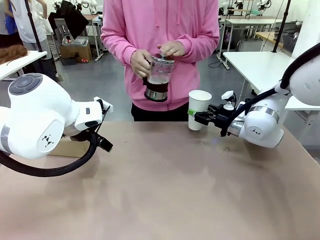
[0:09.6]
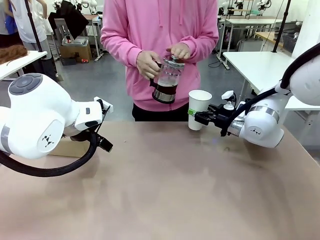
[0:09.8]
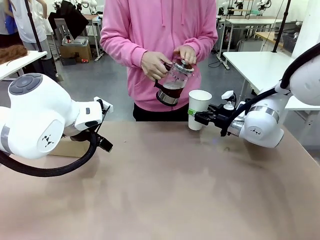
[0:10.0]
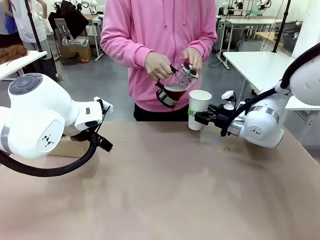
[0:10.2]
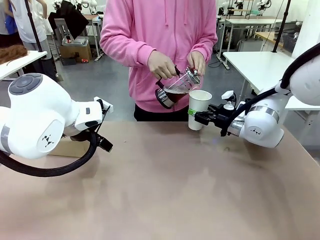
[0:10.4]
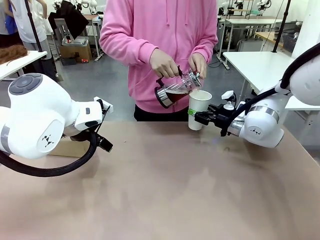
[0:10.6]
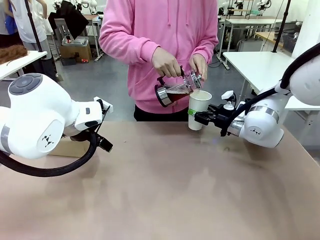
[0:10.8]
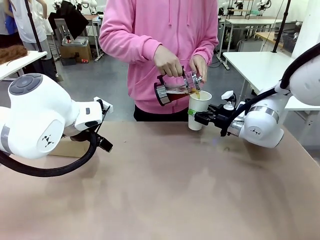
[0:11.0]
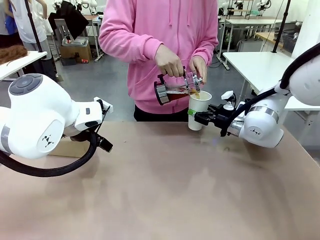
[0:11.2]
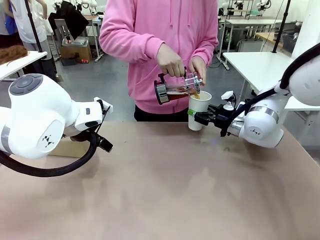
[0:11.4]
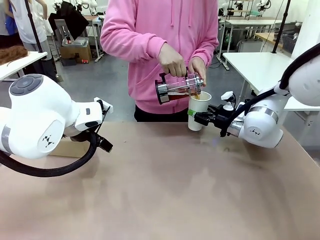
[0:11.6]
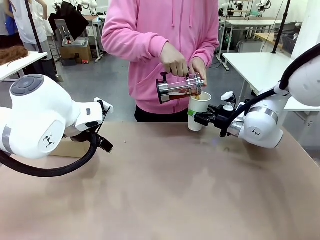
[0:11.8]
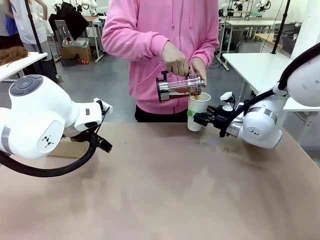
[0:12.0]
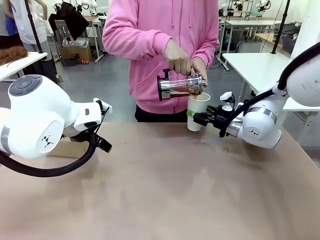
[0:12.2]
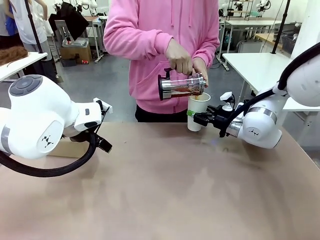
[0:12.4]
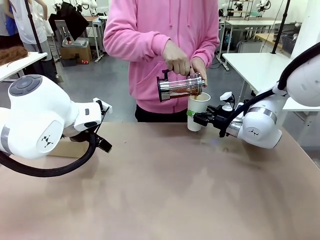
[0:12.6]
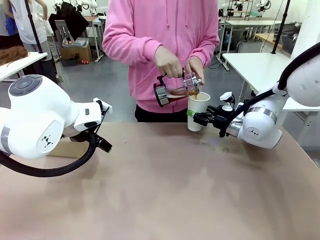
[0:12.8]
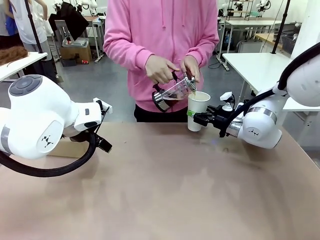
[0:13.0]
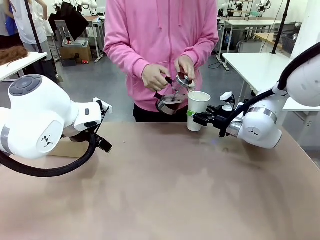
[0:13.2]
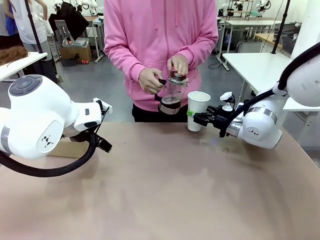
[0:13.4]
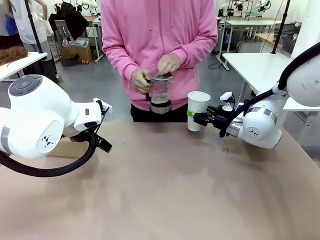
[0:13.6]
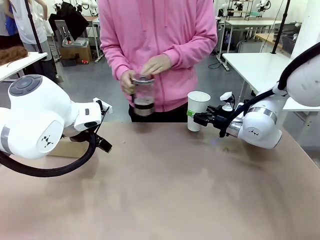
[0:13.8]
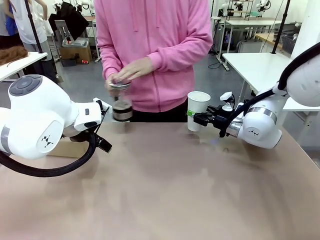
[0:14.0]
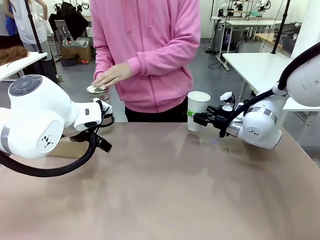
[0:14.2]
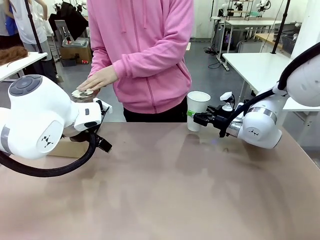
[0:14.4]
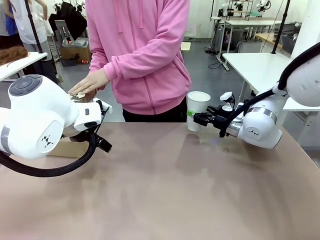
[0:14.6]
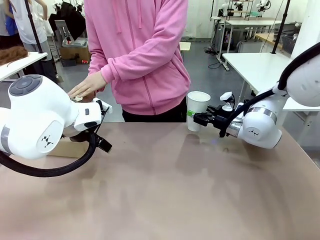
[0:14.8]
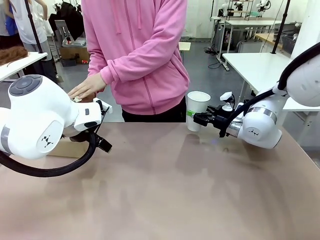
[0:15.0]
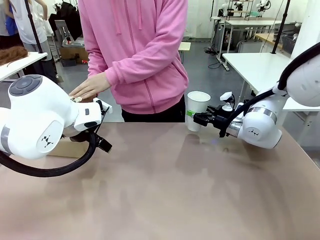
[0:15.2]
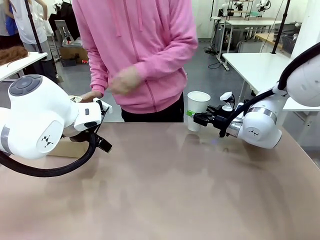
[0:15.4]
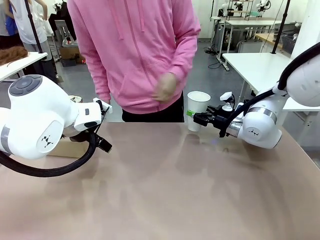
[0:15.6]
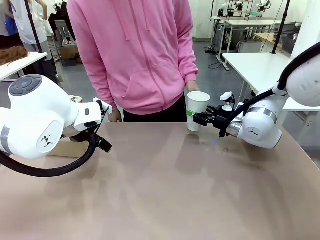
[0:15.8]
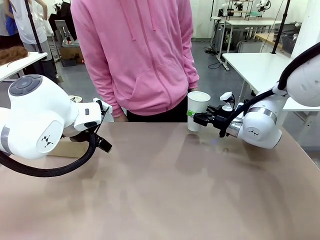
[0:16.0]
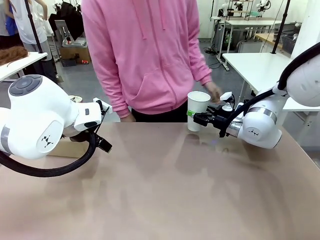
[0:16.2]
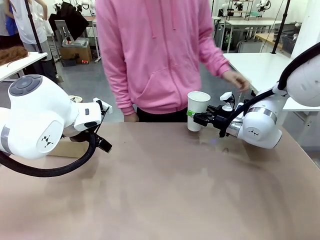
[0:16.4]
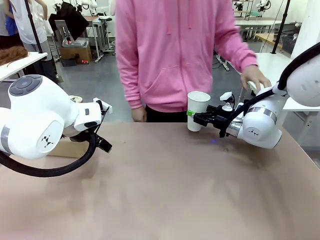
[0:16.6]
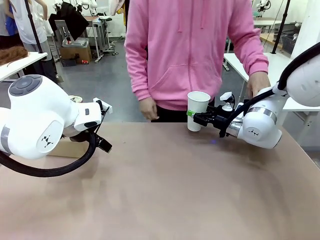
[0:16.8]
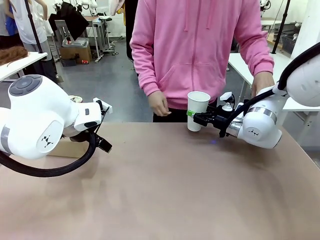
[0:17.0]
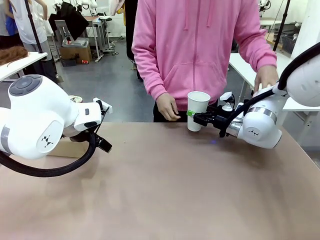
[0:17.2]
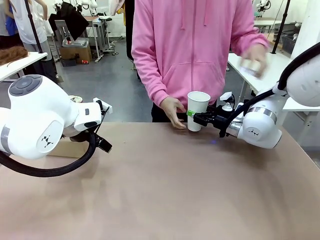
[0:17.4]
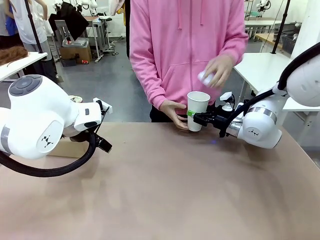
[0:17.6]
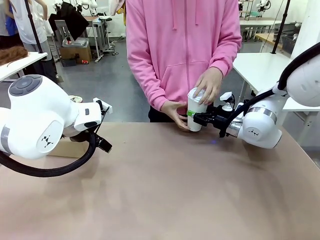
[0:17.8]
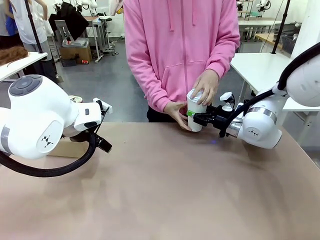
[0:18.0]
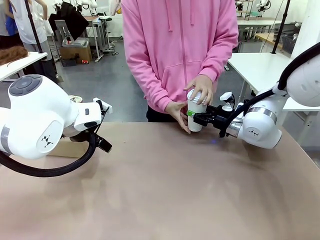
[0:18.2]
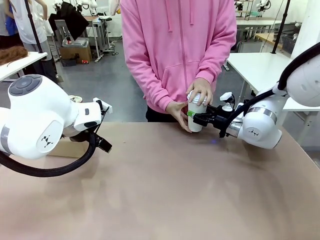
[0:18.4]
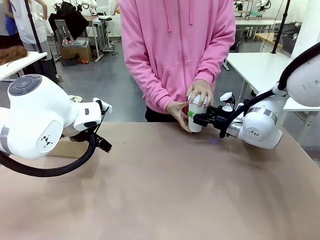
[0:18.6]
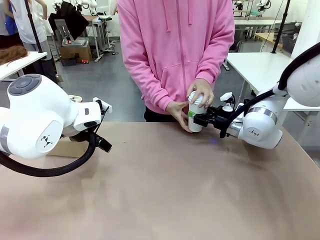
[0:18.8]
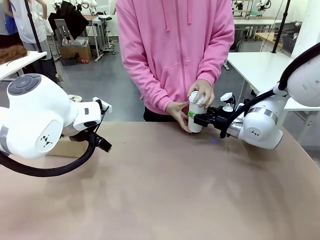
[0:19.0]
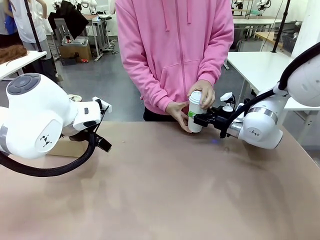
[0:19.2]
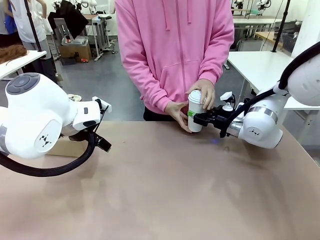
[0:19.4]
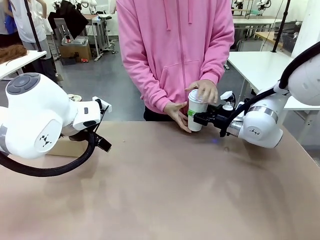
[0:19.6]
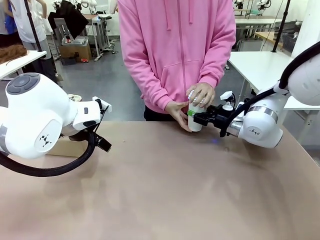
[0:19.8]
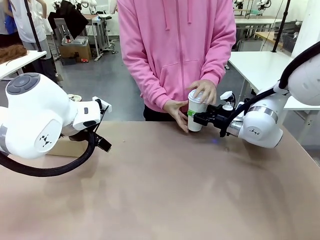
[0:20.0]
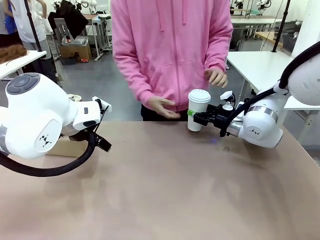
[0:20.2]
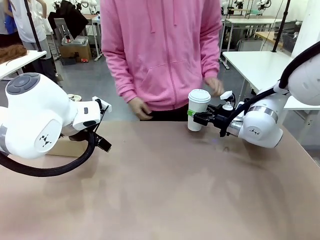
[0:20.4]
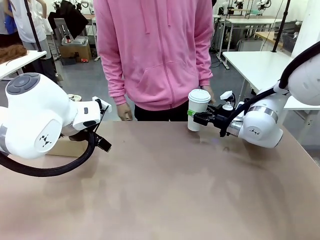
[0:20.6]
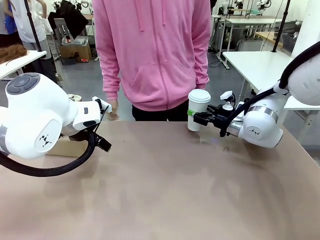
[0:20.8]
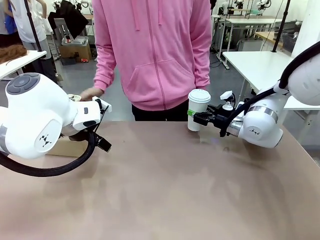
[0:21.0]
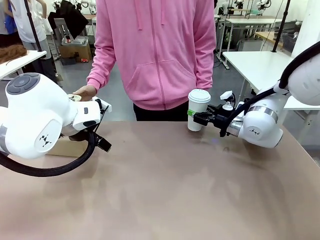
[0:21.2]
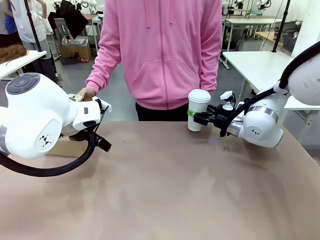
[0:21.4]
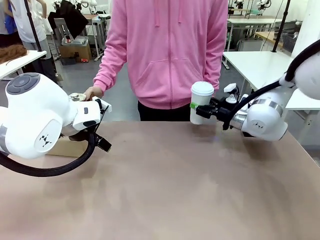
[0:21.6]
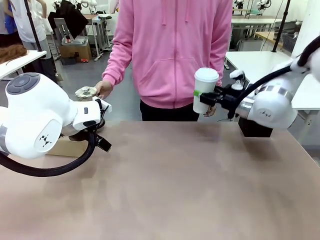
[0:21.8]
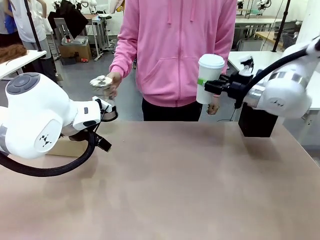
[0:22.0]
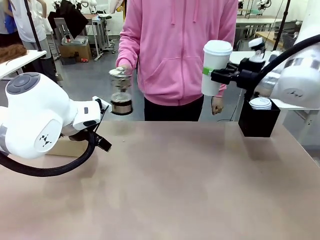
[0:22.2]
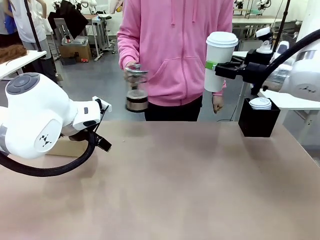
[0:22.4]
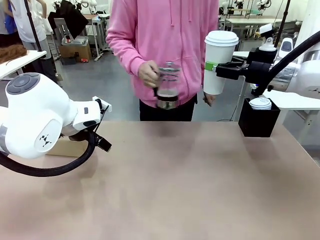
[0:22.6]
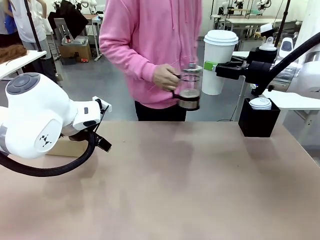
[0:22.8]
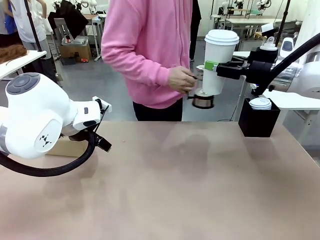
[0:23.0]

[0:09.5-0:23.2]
Task: Pour a drink into a cup and package it in a carrier.
Robot: When a person places the Paper Cup Lid on the 600 ml Paper Cup , lift the 600 ml Paper Cup.
Person: Pour the drink from the Filter Brewing into the 600 ml Paper Cup. Place a Paper Cup Lid on the 600 ml Paper Cup.

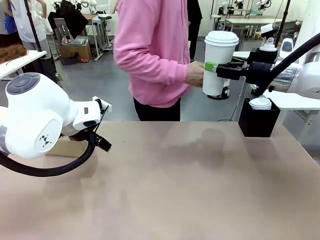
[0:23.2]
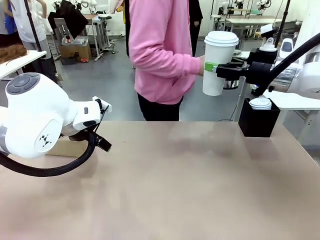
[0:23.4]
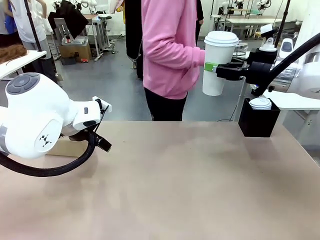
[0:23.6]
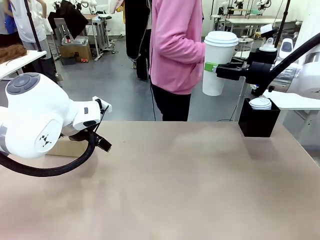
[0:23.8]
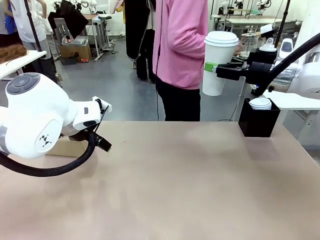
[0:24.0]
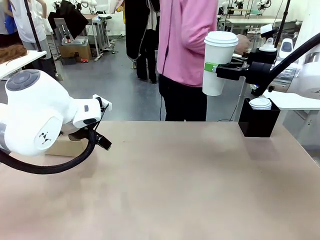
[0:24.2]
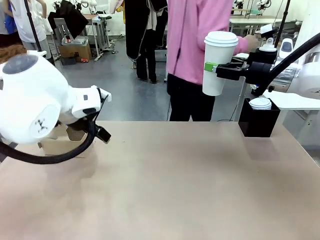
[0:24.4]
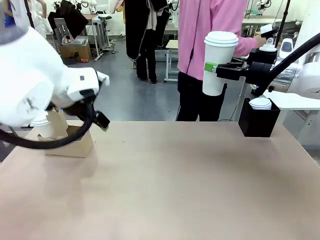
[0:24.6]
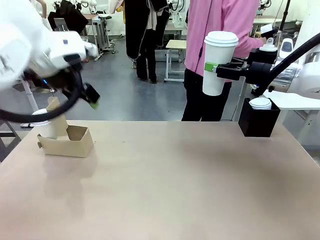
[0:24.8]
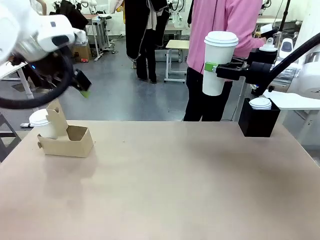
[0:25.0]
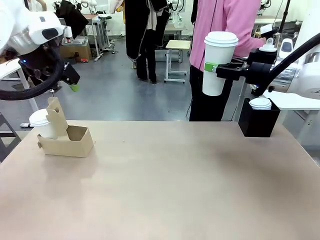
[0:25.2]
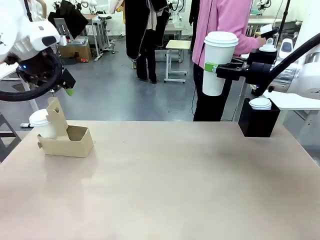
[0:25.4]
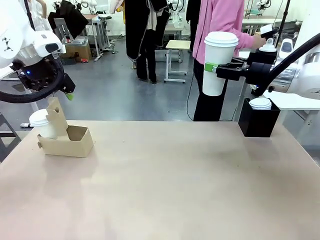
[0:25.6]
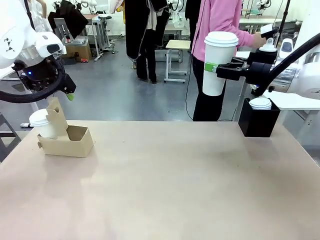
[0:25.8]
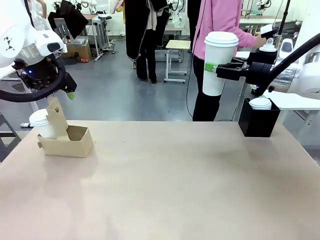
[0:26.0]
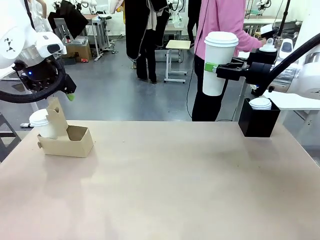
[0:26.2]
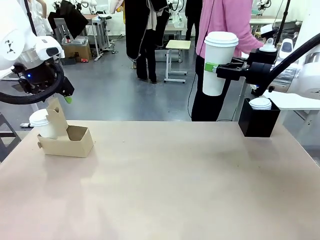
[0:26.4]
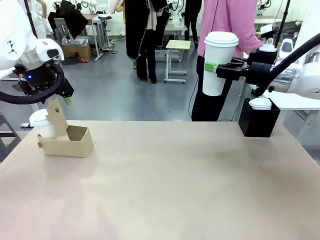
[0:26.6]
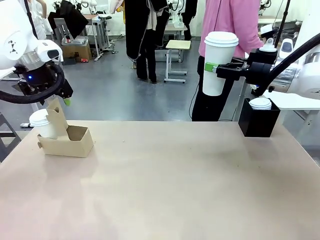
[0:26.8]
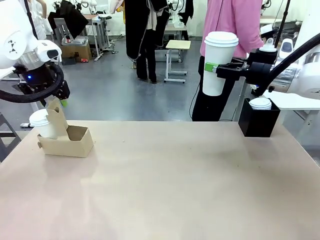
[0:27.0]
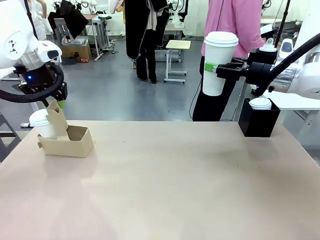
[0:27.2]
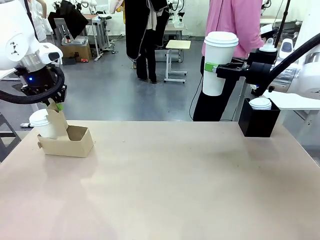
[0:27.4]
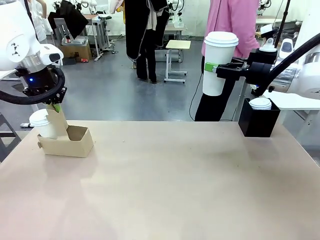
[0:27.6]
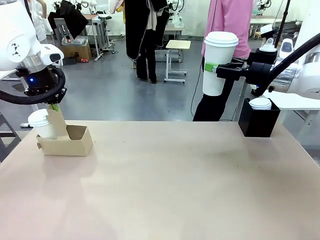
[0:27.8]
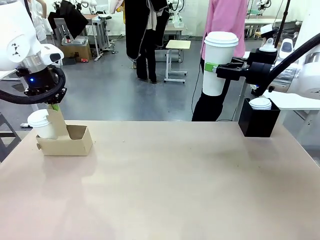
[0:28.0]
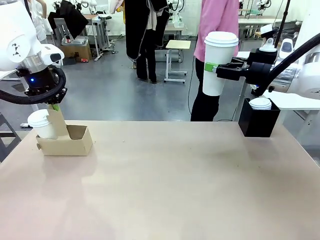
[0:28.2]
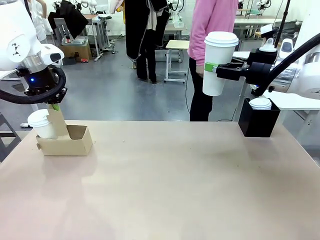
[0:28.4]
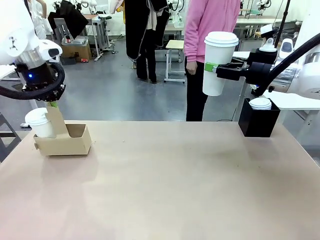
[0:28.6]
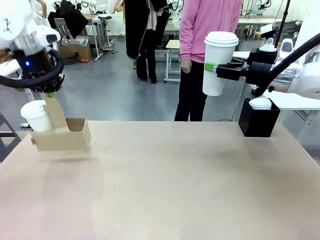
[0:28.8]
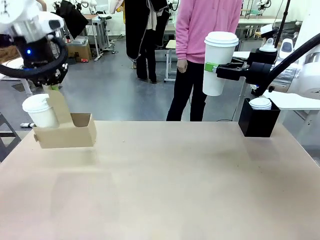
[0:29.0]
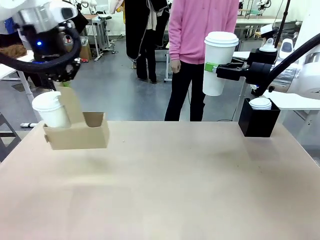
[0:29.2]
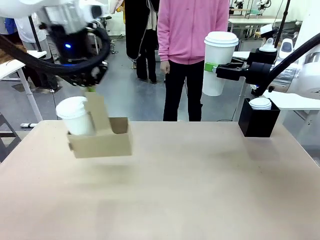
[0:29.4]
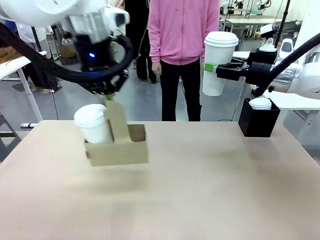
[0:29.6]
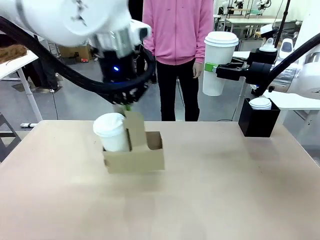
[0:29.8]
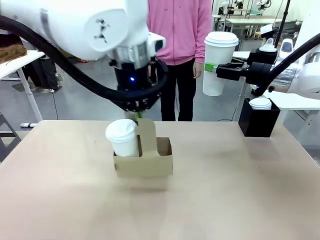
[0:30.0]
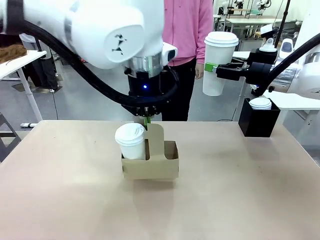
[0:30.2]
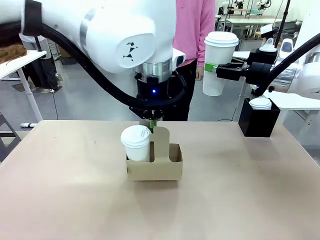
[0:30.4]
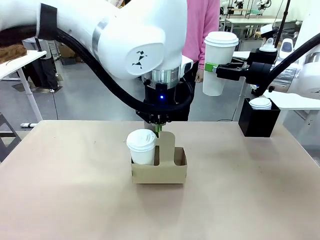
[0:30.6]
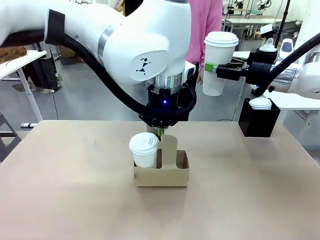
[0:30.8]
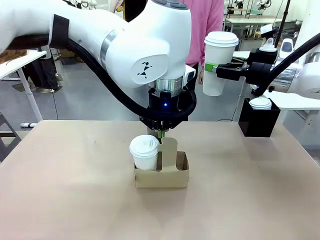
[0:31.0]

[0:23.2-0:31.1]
Robot: Position the Cup Carrier in the center of the table.
Person: Pick up the Filter Brewing and place on the middle of Human table, and return to the Robot table.
